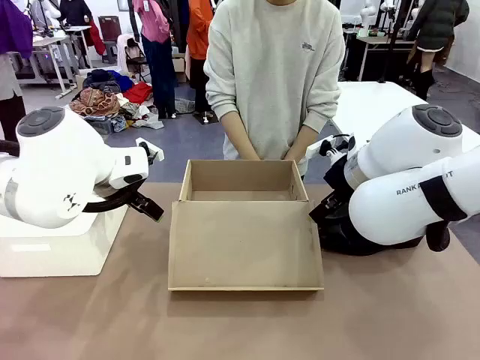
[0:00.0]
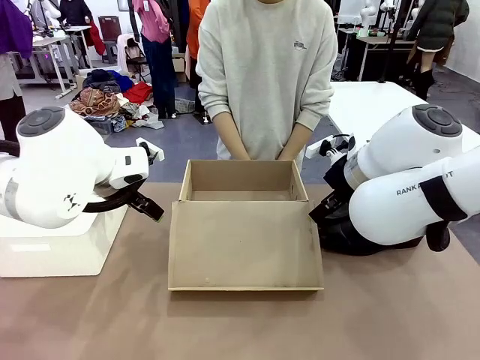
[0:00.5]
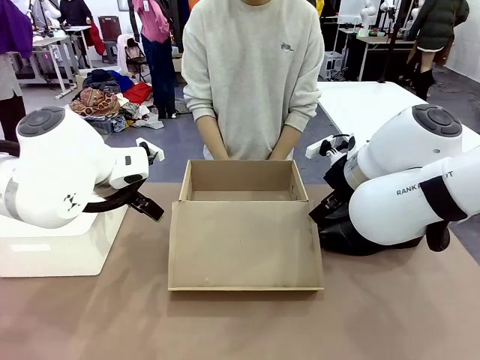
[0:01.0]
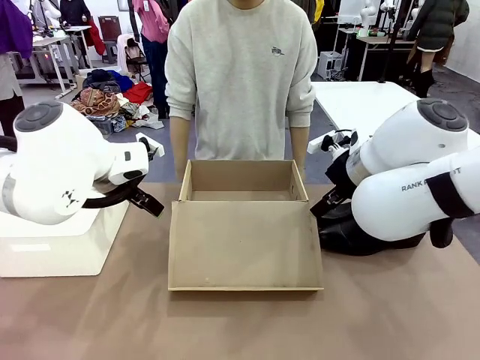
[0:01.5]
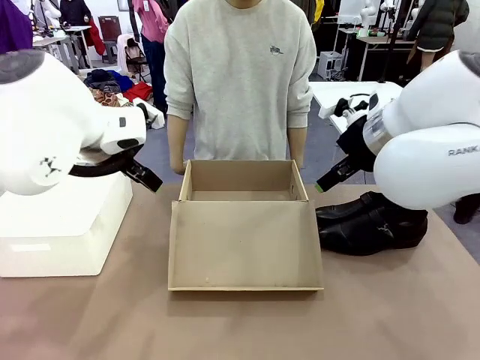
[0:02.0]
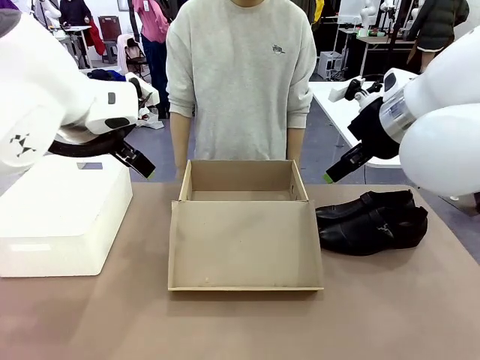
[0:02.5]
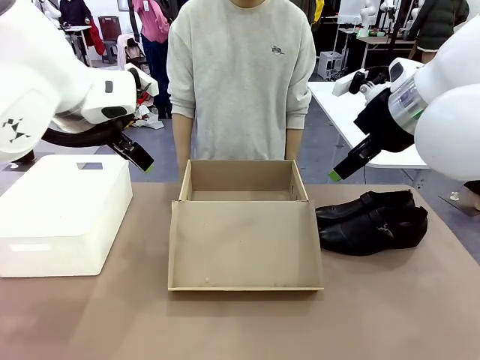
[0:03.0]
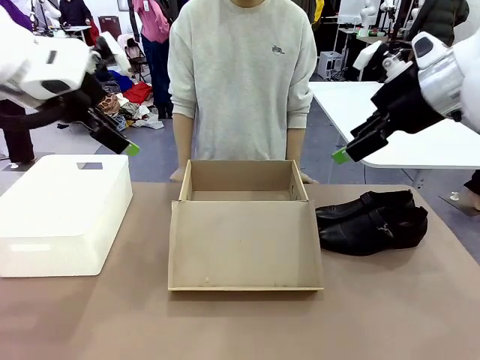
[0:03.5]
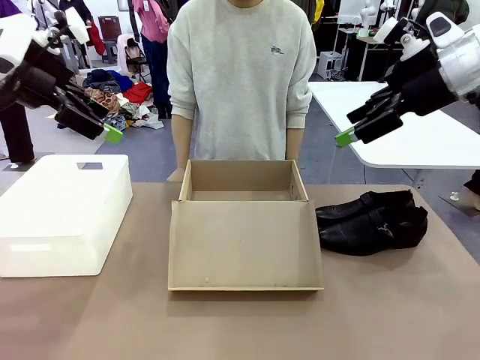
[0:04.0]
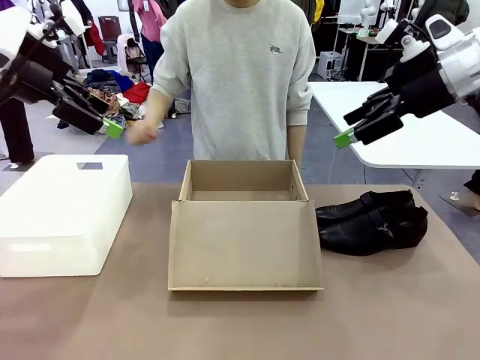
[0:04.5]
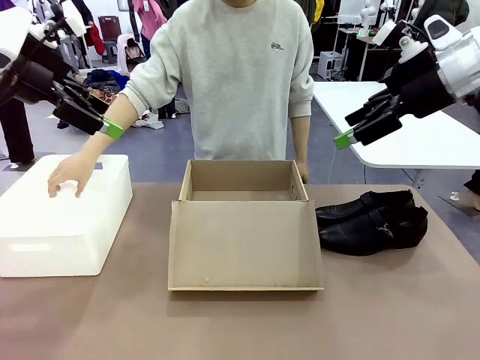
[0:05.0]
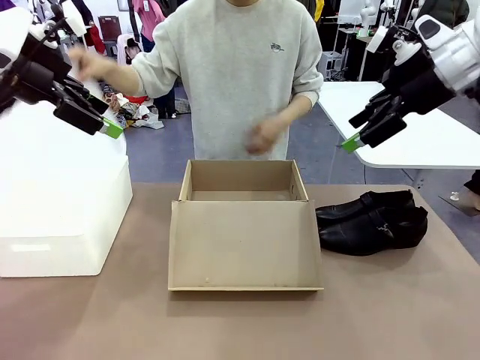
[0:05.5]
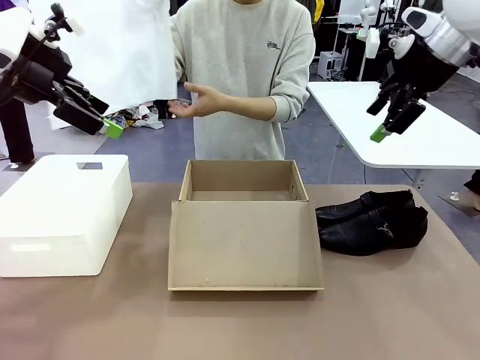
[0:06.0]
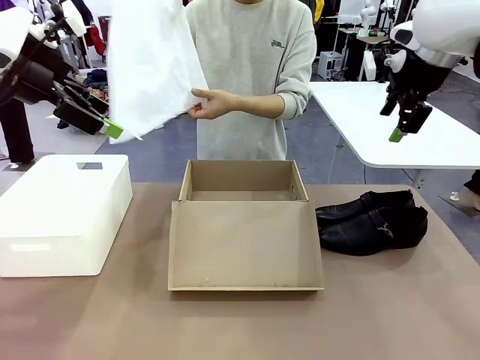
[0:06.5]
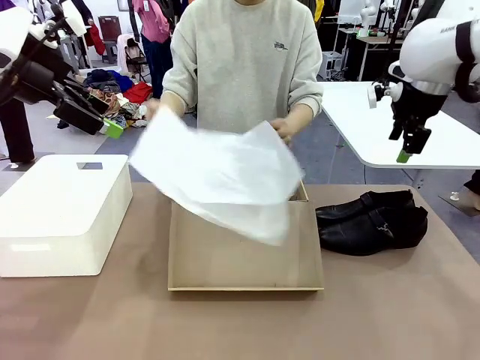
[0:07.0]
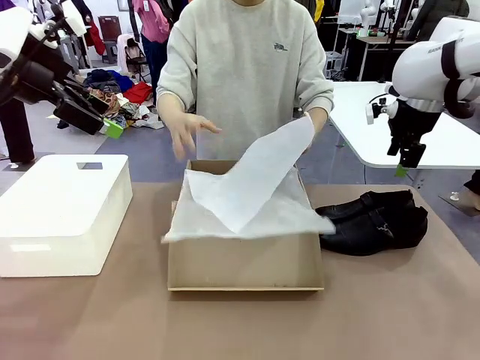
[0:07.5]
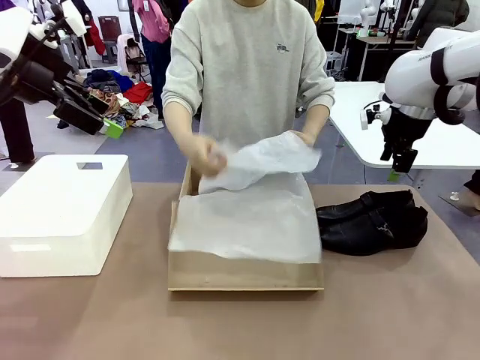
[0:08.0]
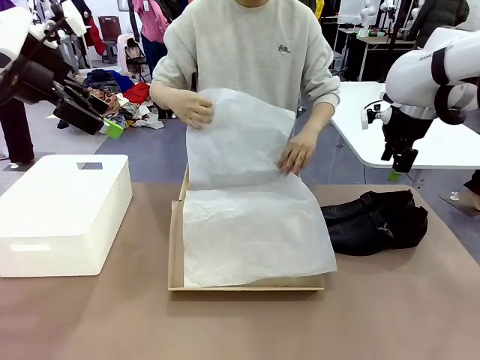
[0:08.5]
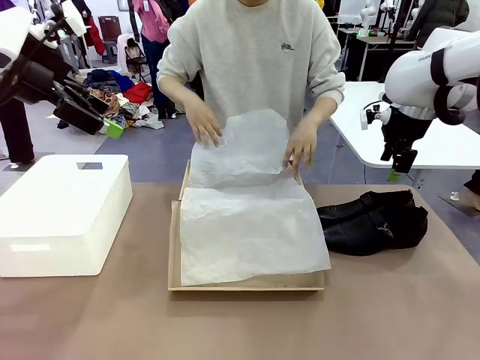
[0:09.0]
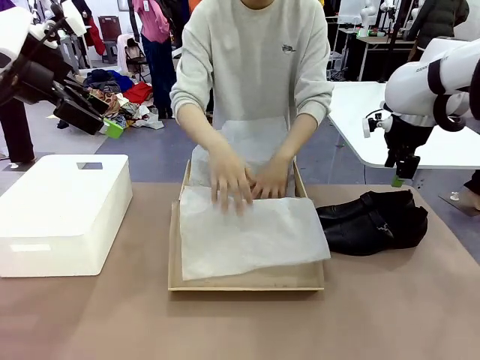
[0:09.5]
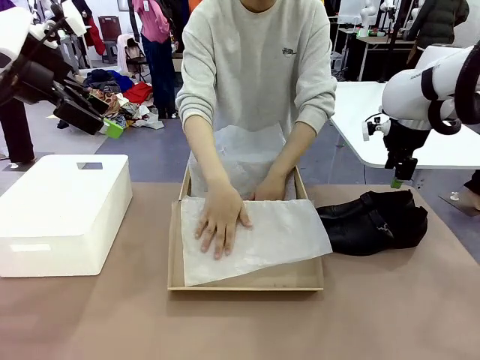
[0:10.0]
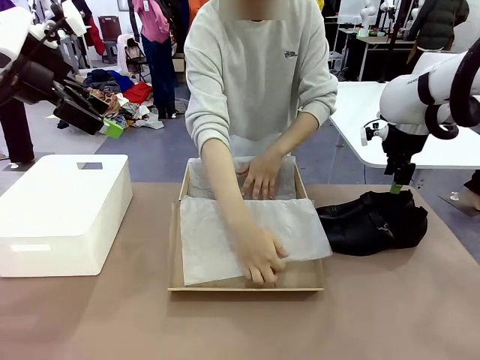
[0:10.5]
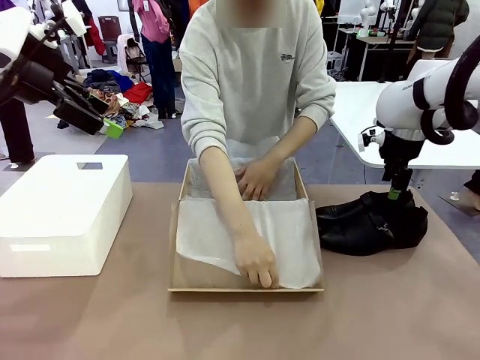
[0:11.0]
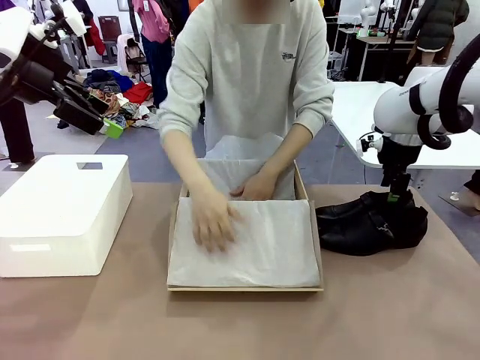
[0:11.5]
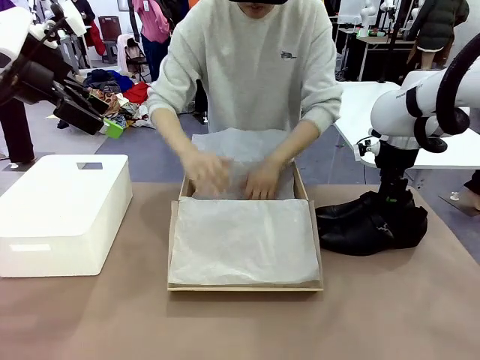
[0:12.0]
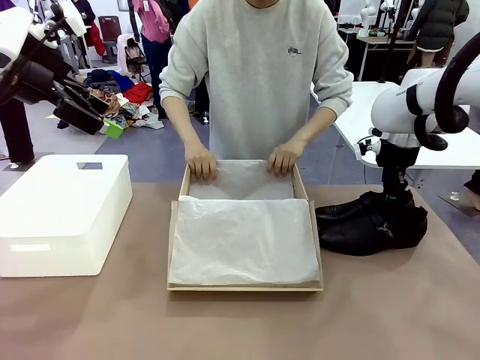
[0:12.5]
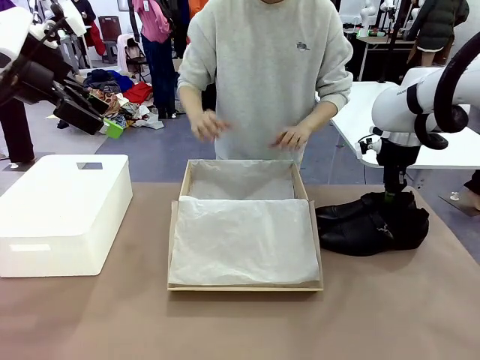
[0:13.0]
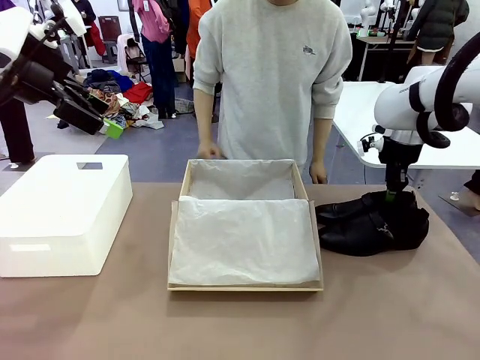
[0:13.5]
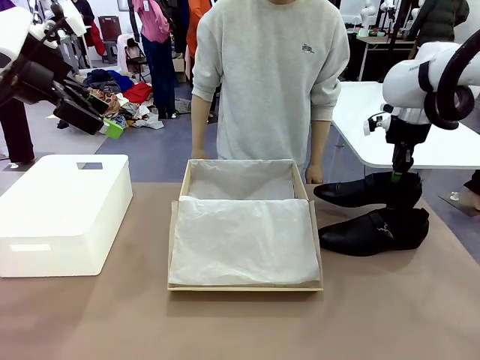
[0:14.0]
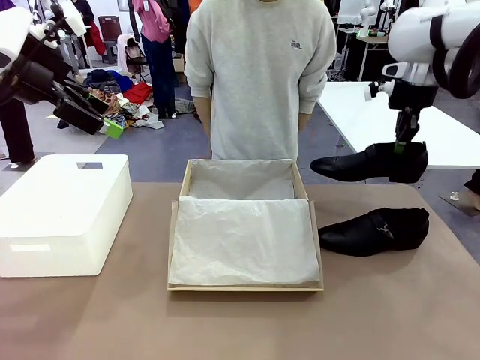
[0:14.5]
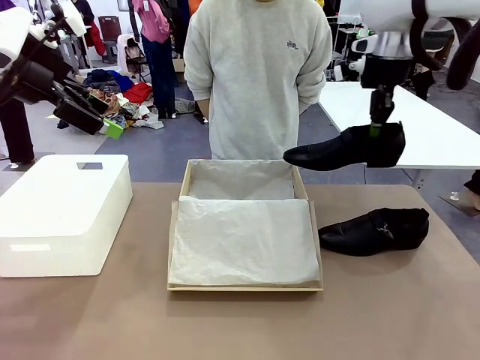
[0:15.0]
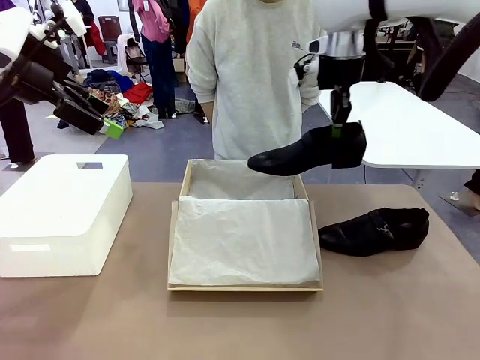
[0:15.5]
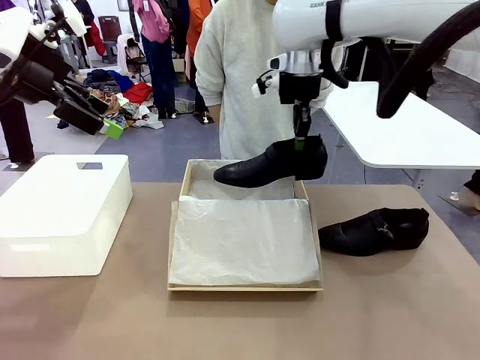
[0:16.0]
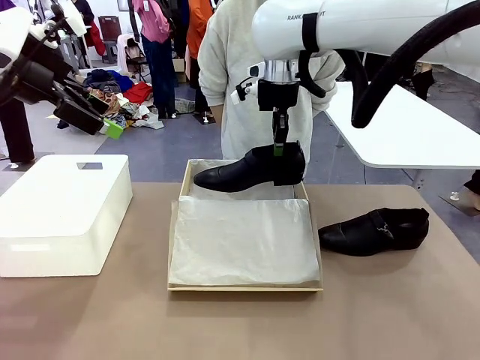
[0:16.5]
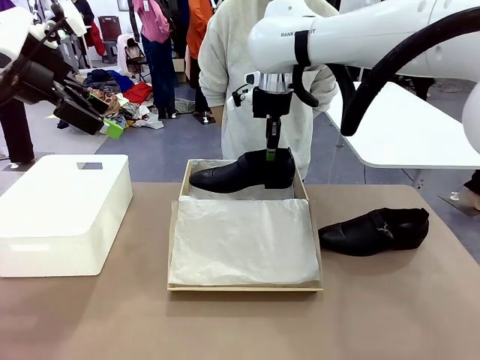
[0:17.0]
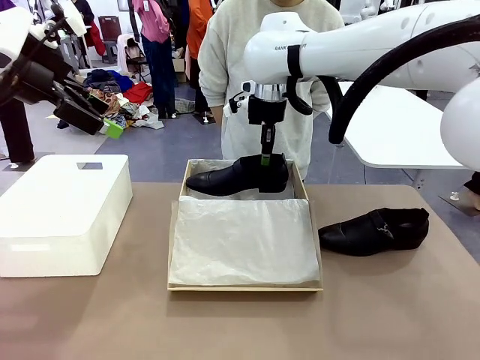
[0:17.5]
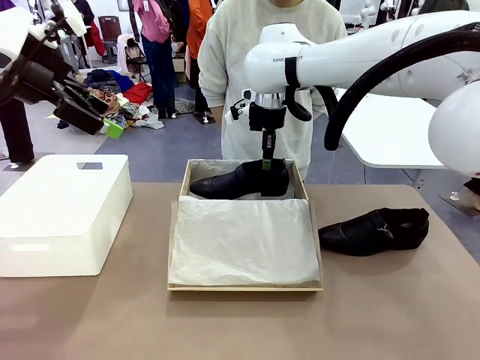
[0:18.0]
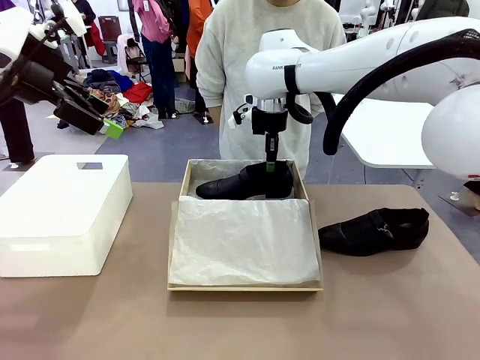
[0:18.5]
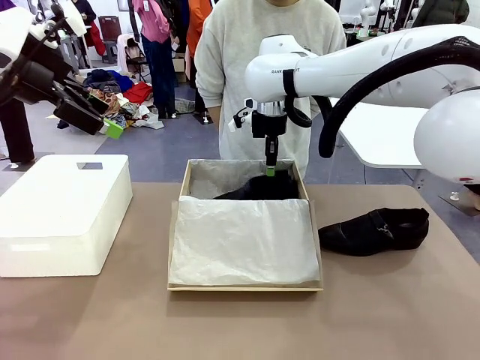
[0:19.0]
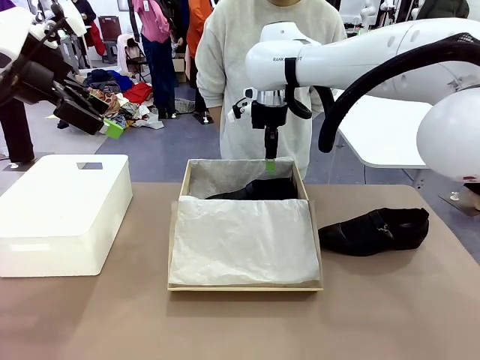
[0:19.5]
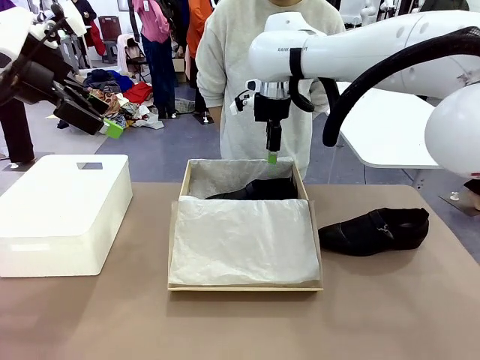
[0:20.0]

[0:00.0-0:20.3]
Task: Pack the shoes into the box.
Robot: Place one shoe of the Shoes into the Shoes Box.
Person: Spread Shoes Wrapping Paper and place inside the Shoes Box.

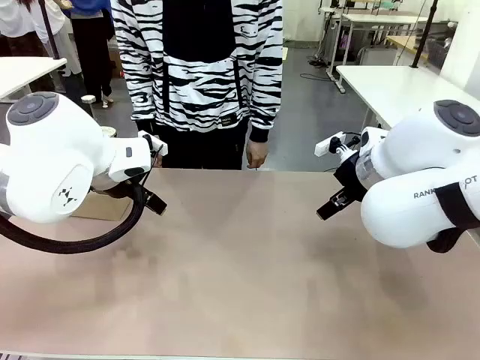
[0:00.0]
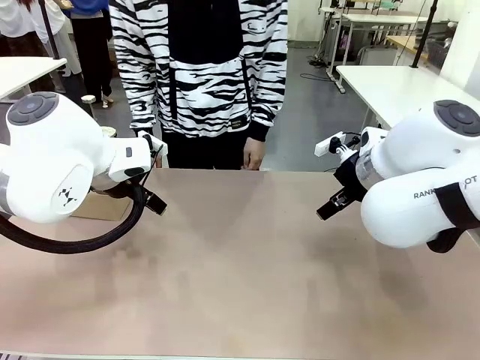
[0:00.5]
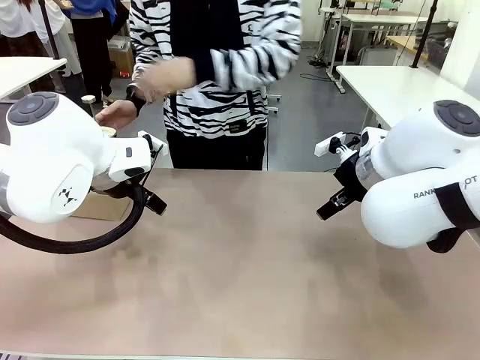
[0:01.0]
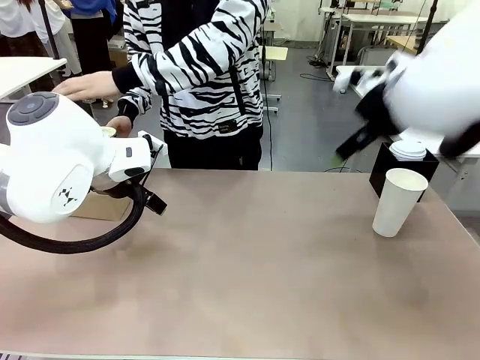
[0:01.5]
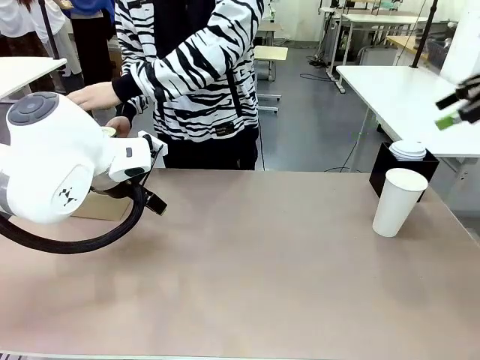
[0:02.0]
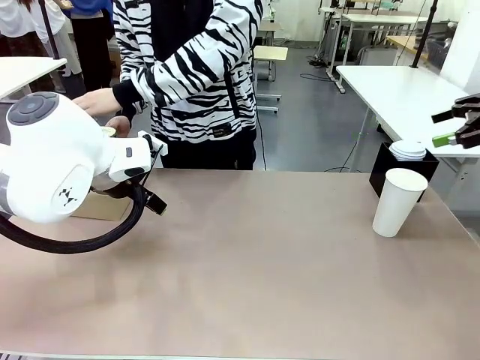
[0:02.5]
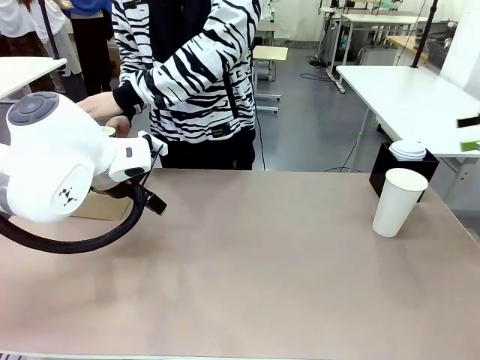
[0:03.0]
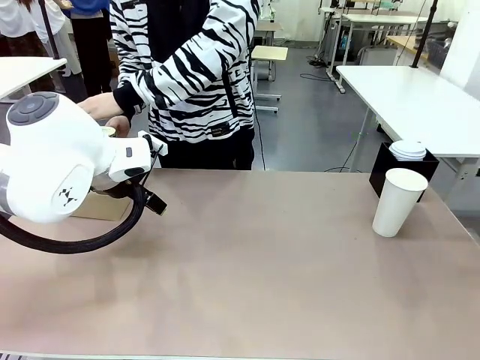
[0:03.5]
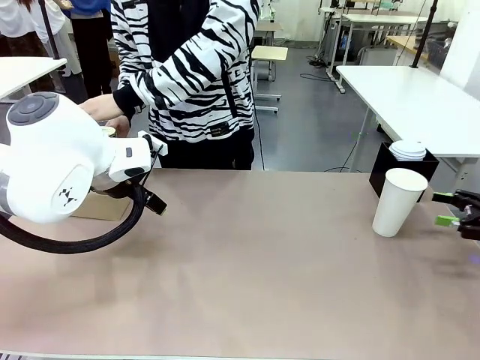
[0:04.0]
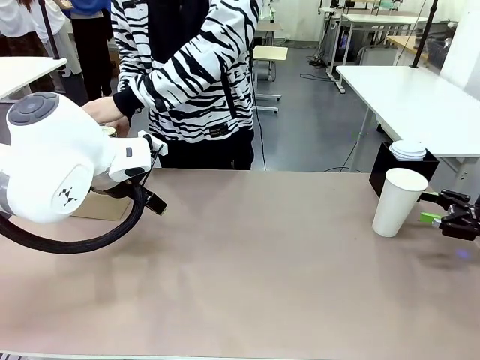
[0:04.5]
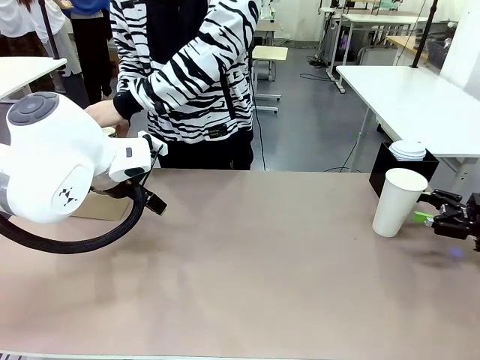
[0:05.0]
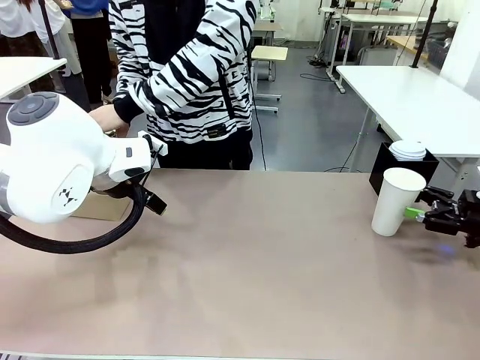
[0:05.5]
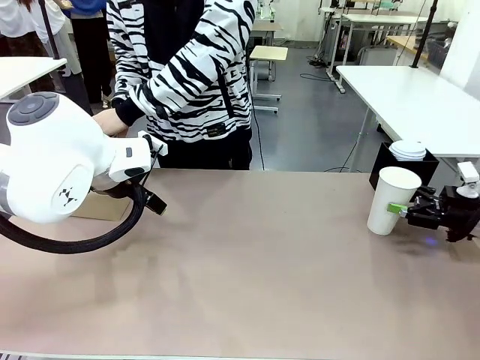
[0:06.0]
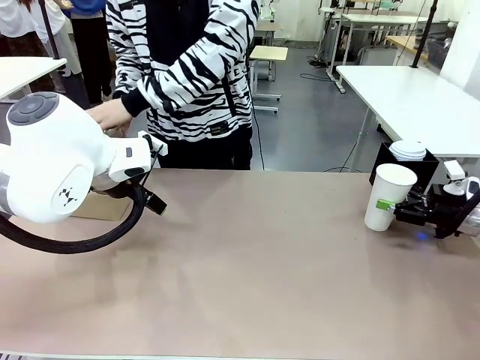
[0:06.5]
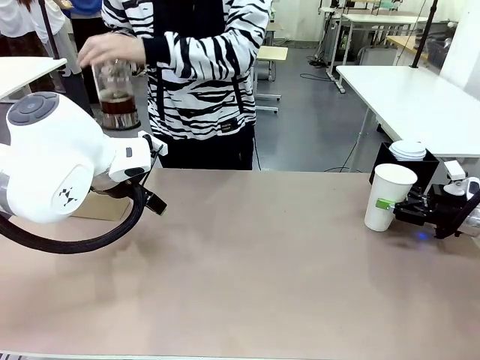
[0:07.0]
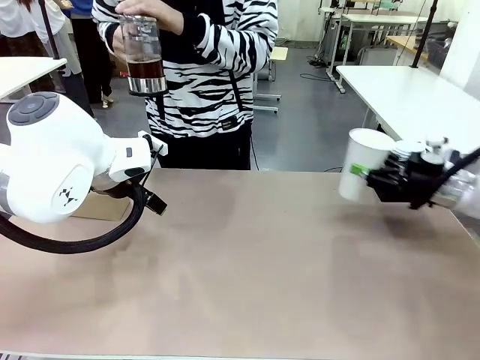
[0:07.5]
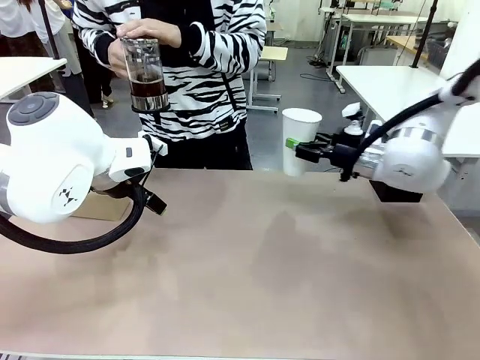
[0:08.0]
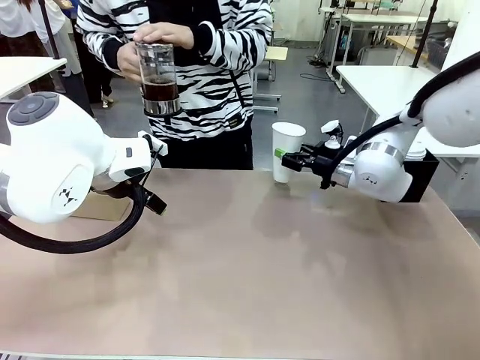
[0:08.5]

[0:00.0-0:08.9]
Task: Pour a drink into a cup and package it in a carrier.
Robot: Pick up the 600 ml Paper Cup and place it in the middle top area of the table.
Person: Press and pick up the Filter Brewing.
